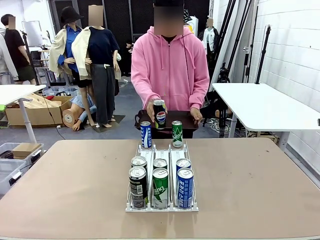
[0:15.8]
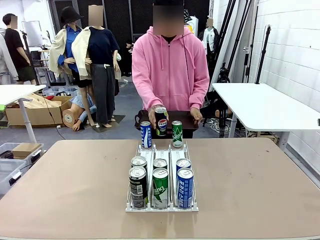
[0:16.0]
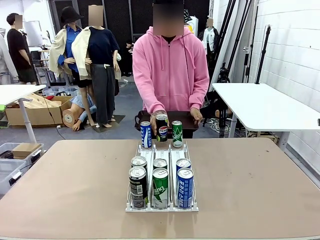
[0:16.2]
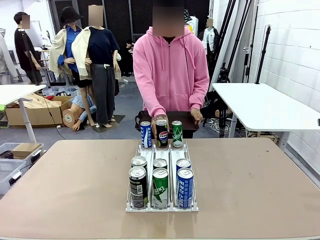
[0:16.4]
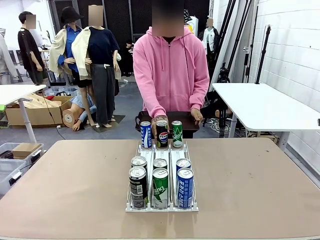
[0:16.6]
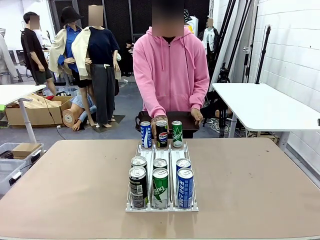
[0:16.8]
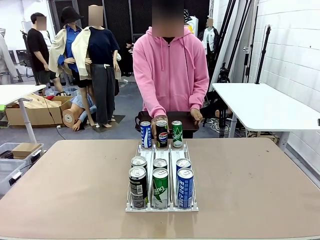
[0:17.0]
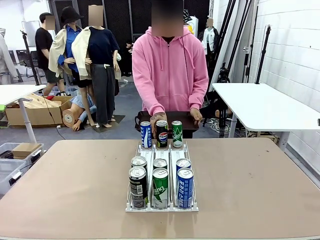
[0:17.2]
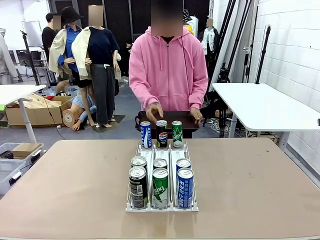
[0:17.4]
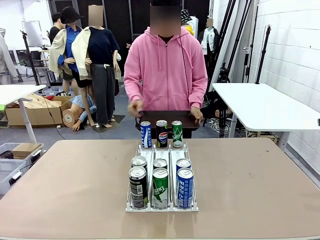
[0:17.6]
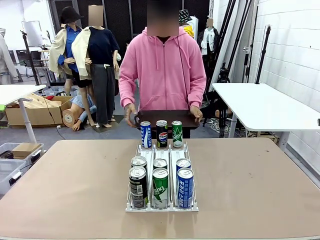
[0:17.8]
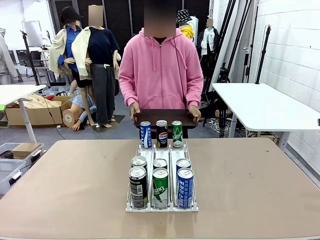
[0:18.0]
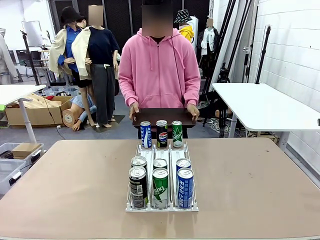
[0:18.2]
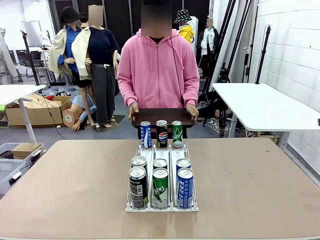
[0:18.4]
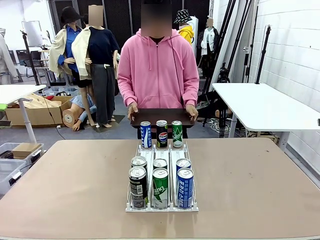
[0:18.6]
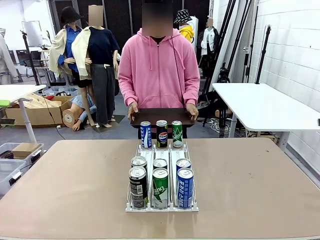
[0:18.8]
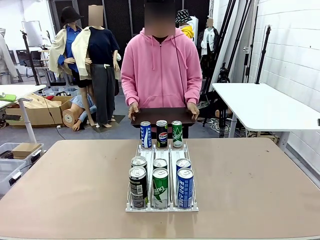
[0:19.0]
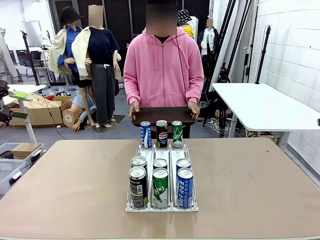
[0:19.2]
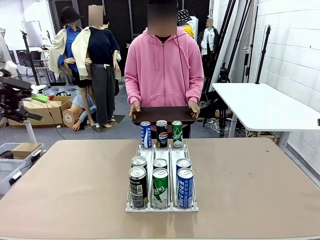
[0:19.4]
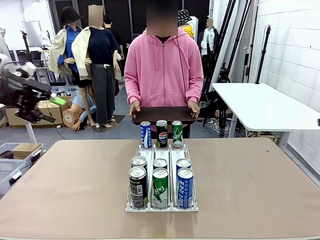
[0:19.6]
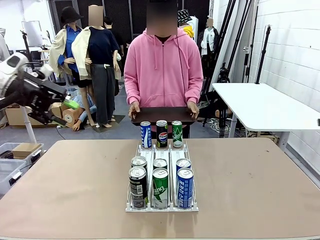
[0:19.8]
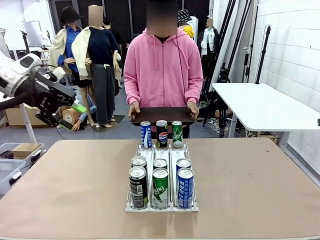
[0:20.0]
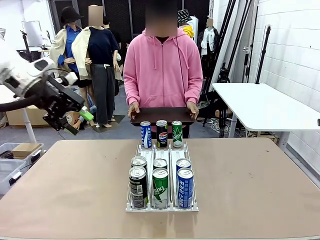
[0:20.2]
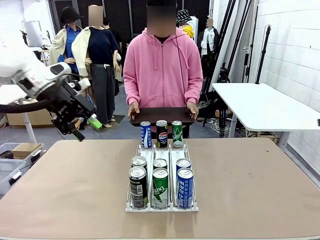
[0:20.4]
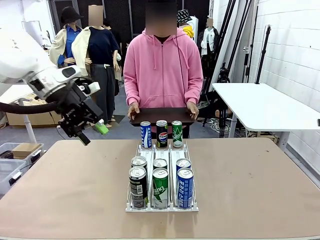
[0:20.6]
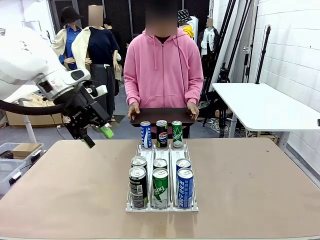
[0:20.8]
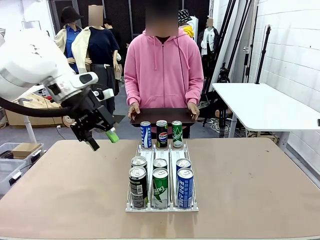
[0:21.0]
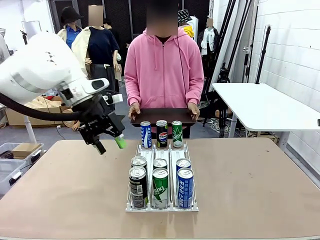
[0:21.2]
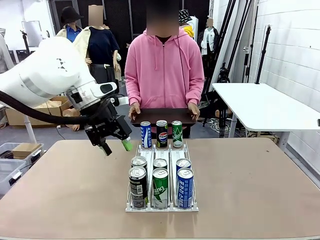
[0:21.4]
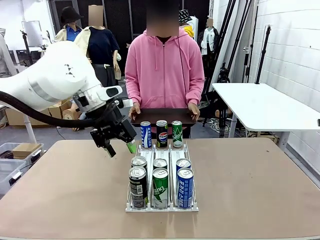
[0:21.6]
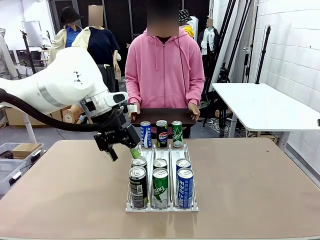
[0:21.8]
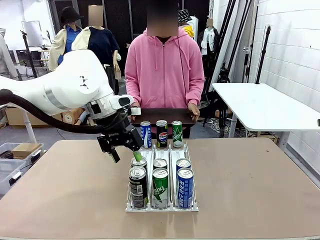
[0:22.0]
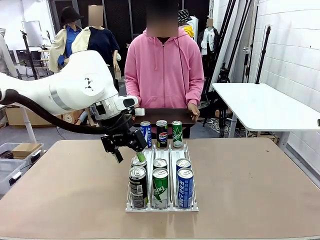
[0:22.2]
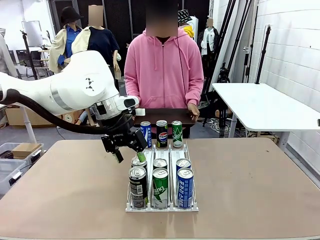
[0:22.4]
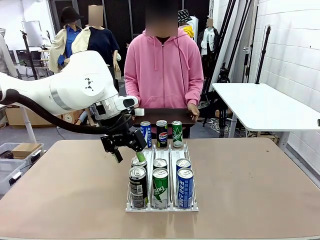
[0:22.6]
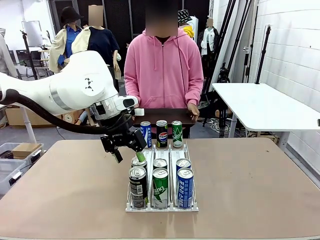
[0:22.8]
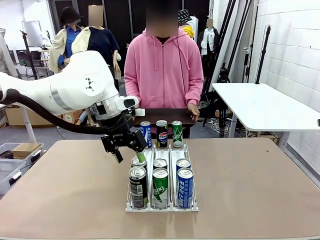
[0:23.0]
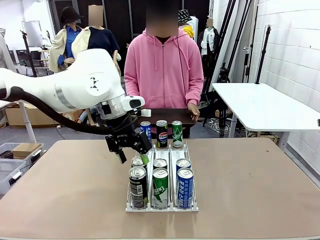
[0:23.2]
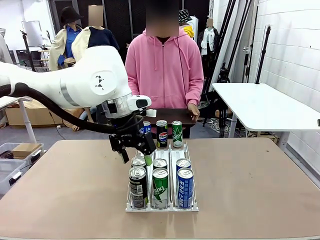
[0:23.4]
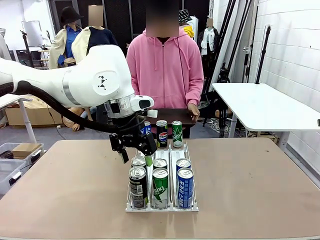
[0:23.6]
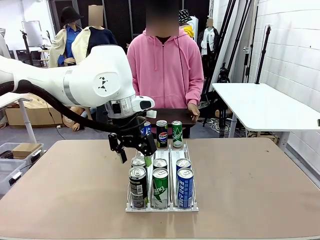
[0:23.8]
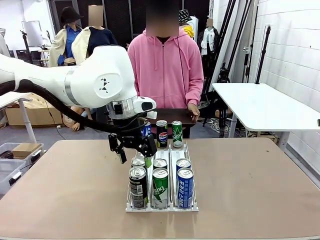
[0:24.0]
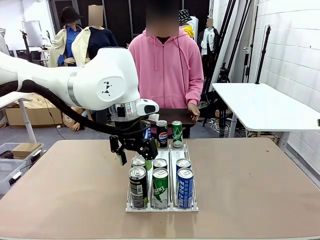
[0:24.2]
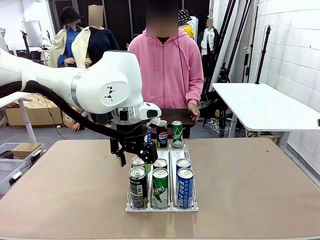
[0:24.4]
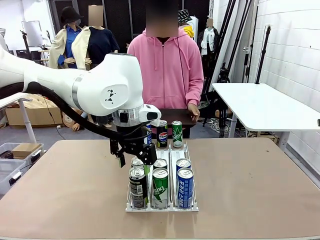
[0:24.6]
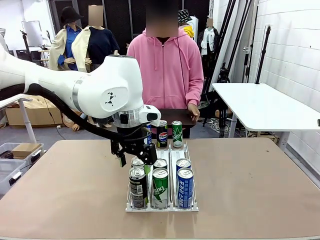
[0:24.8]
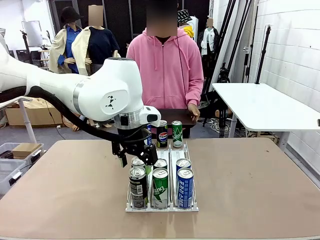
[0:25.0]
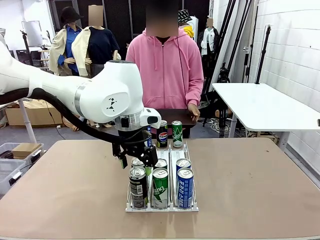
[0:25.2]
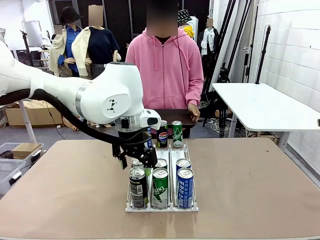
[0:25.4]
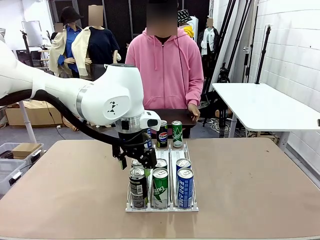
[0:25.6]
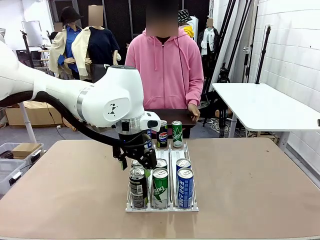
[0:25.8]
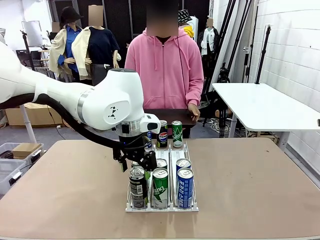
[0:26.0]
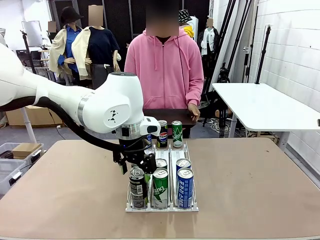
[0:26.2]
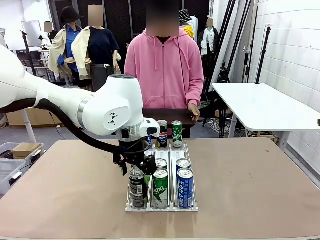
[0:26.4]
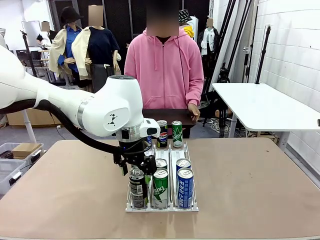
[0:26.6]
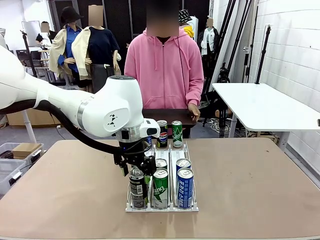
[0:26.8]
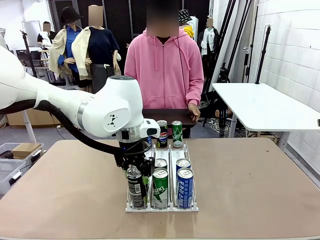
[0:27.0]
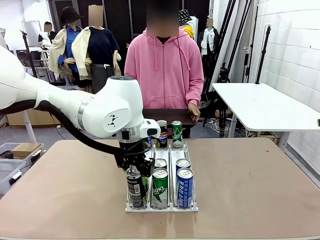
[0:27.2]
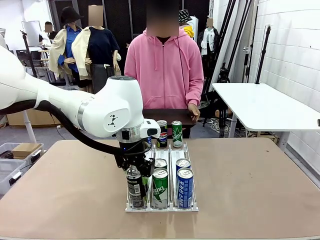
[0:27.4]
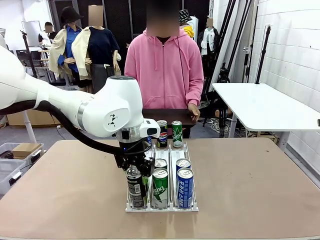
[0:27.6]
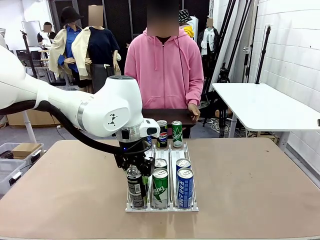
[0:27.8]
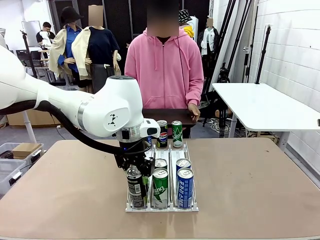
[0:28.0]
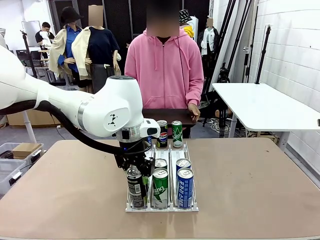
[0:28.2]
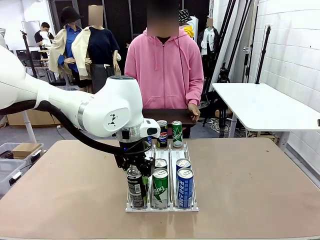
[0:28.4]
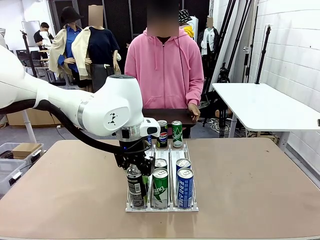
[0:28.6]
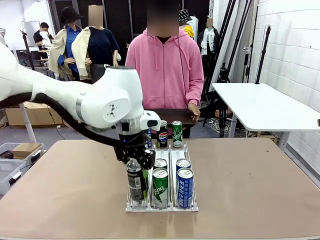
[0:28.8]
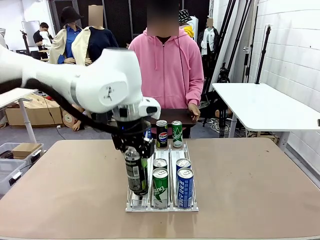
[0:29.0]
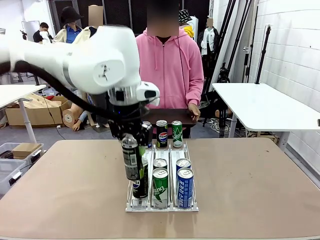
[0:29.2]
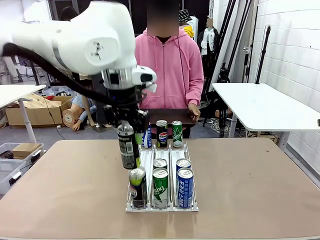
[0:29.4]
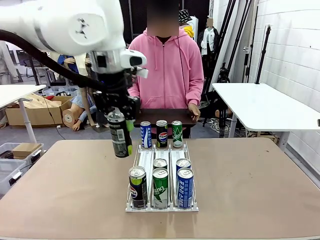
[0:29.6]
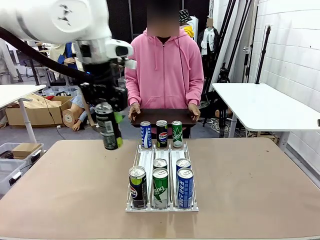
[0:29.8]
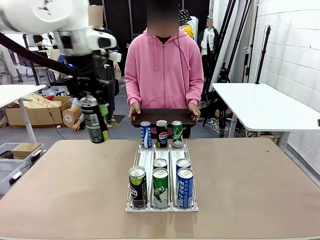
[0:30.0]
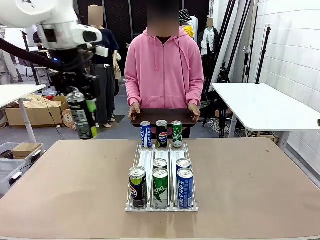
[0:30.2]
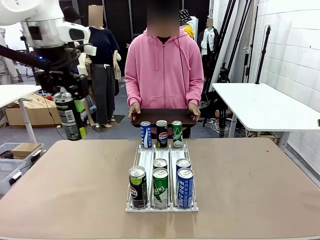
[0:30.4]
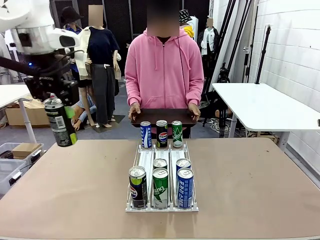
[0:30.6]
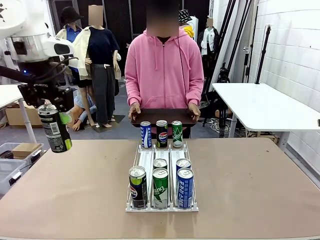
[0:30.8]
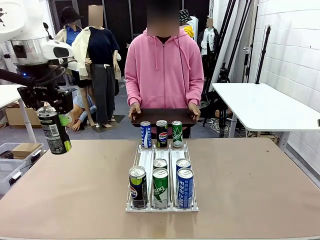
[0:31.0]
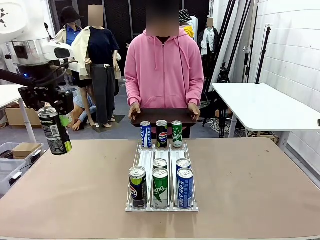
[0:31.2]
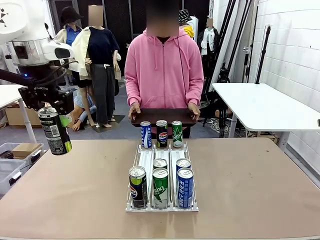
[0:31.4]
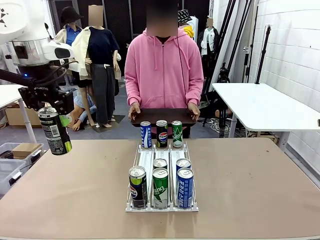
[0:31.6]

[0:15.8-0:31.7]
Task: Retrieve and hand over the desired beverage to the person.
Robot: Pick up a can of the same type that the person held from the Automatic Can Dispenser.
Person: Push the tray toward the robot.

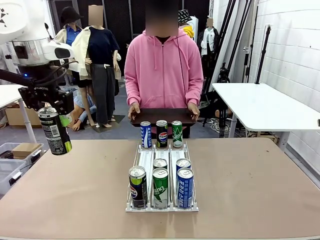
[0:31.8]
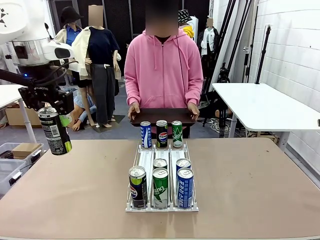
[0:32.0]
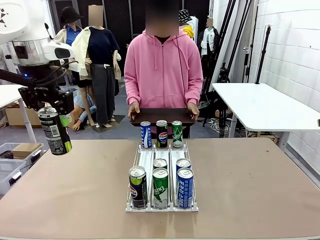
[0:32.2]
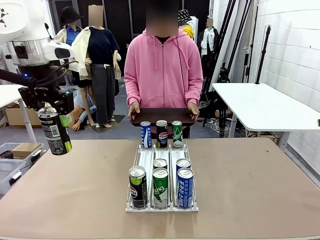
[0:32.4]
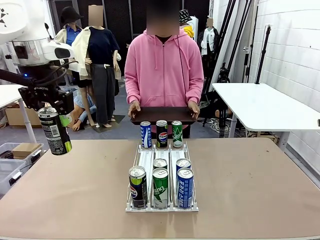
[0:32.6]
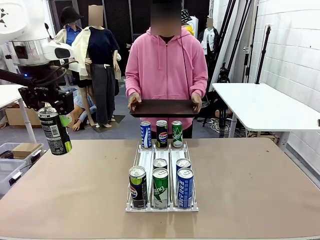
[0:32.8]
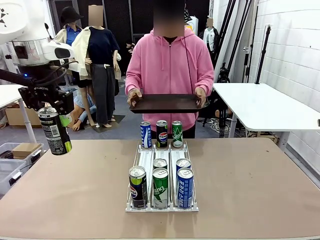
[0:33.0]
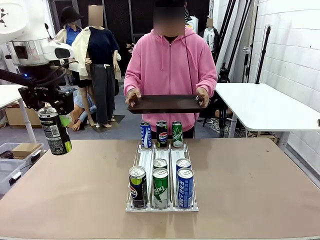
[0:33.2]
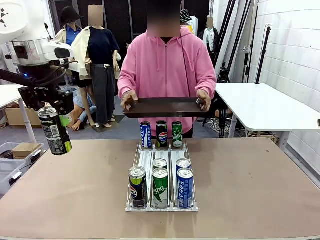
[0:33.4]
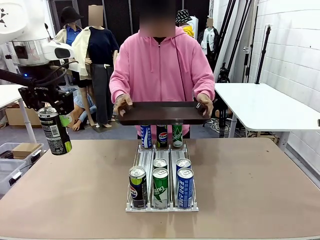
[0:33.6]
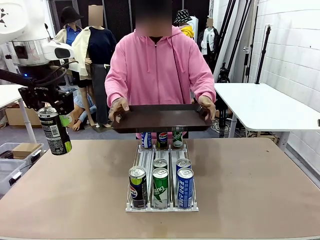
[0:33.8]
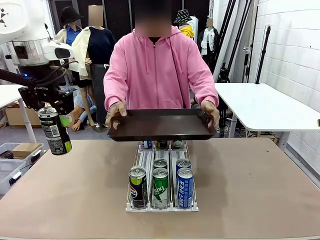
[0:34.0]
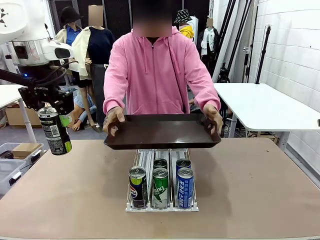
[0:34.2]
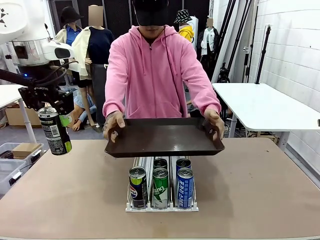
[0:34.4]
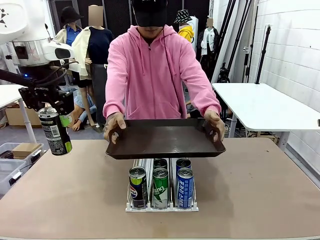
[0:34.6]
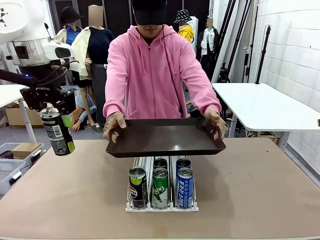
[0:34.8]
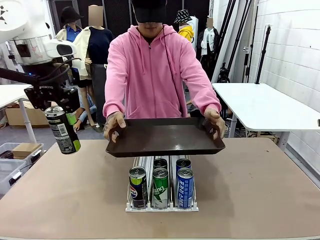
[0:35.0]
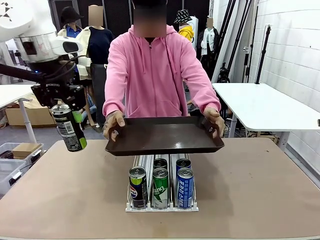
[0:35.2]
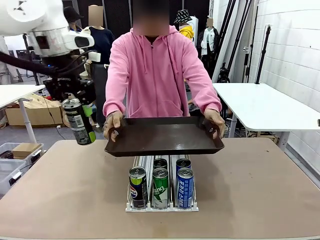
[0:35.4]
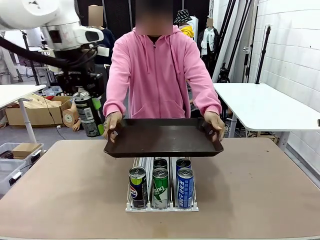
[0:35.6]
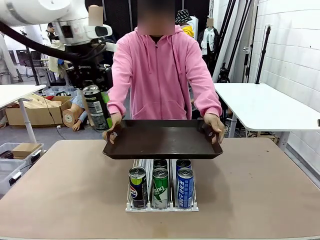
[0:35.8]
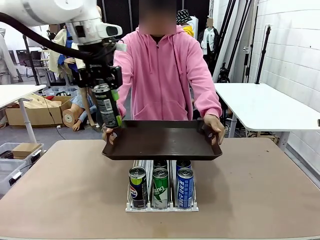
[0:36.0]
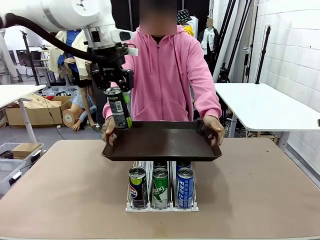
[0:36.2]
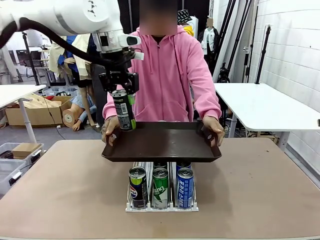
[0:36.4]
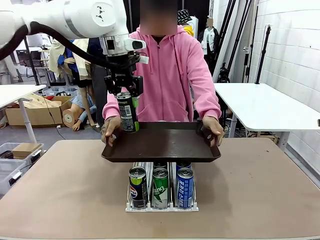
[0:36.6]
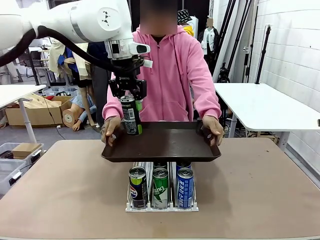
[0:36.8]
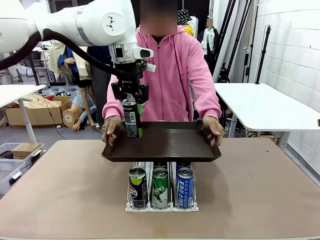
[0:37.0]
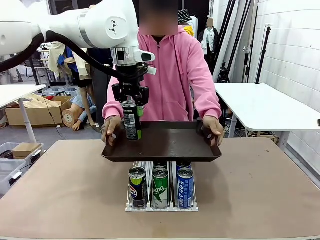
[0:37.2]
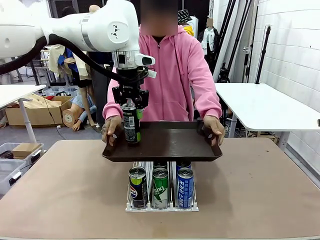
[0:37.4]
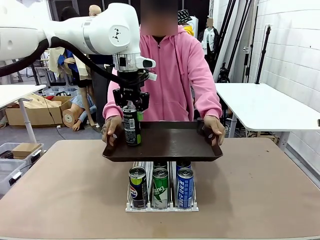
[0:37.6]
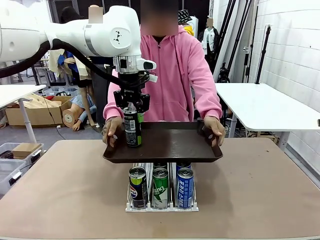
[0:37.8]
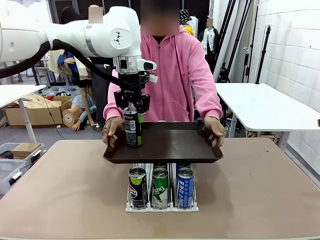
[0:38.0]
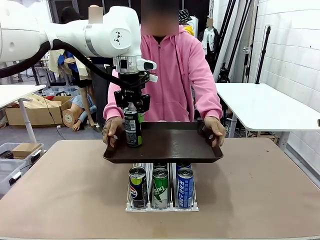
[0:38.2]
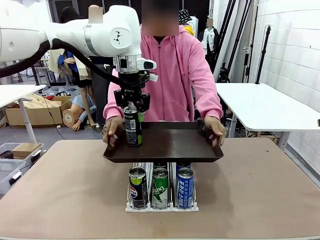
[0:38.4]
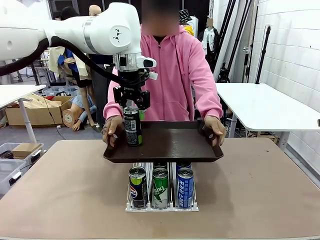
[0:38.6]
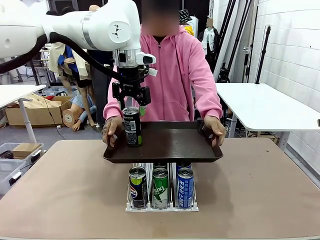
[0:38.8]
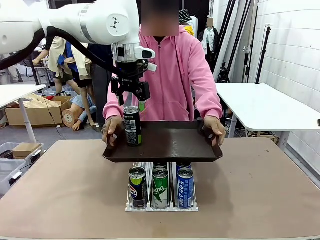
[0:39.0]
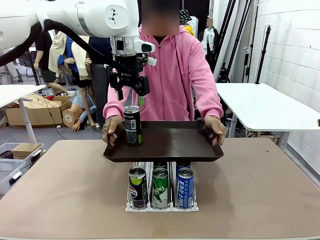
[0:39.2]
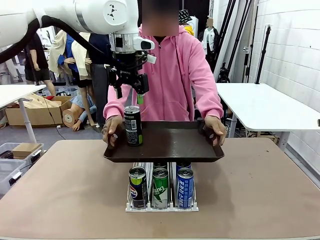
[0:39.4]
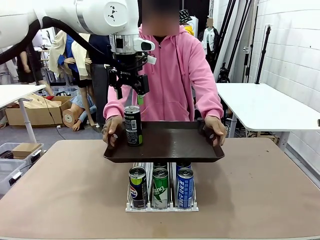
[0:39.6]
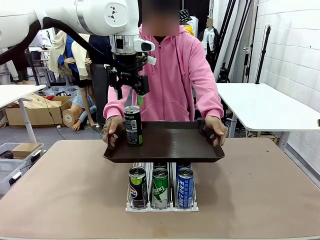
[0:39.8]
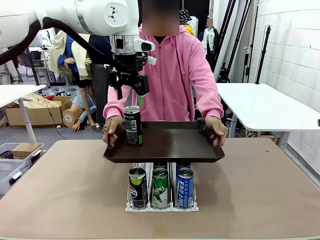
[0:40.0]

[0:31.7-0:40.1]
Robot: Place the picked can on the Handle tray extended by the person.
